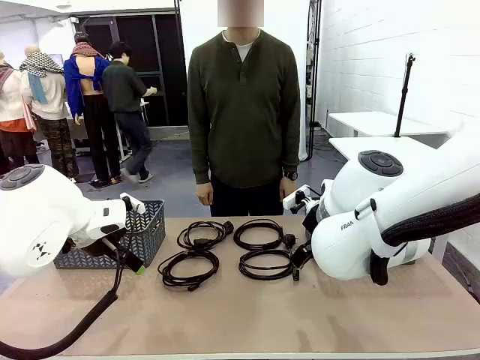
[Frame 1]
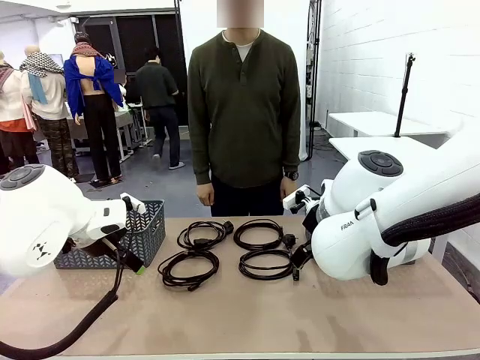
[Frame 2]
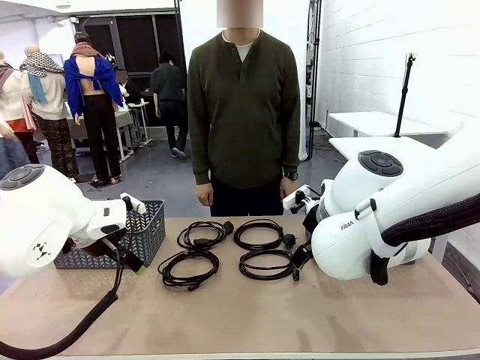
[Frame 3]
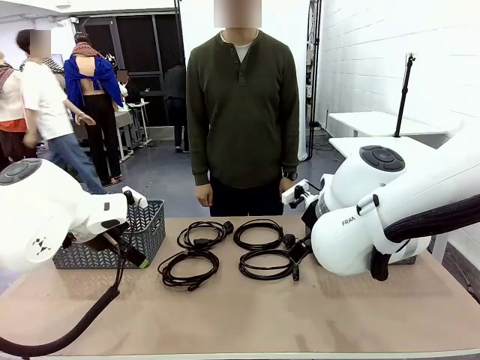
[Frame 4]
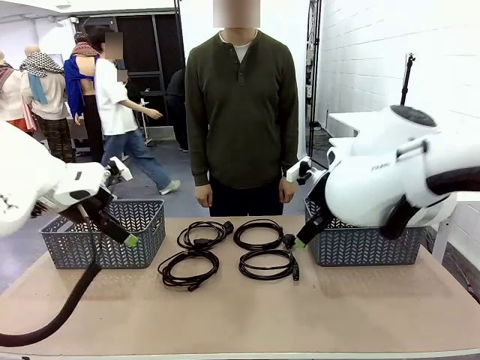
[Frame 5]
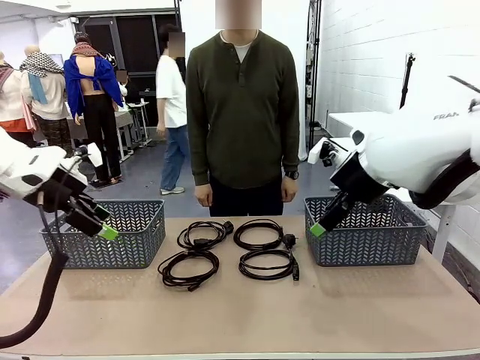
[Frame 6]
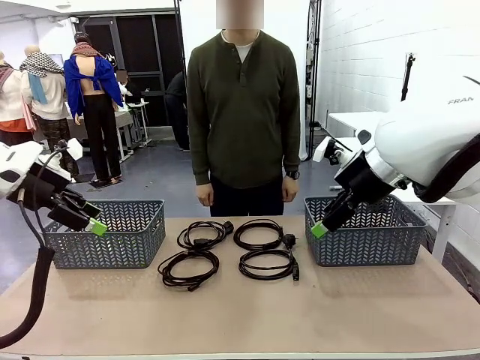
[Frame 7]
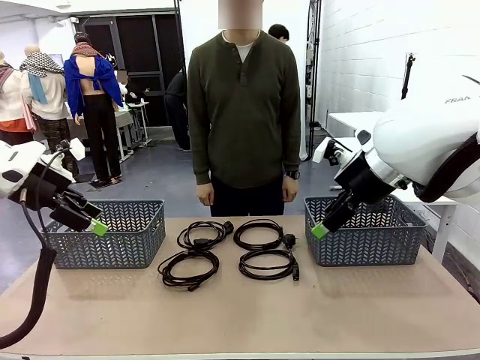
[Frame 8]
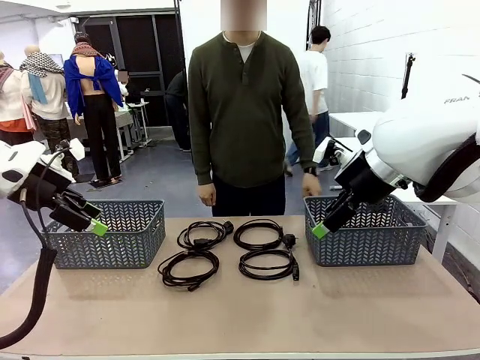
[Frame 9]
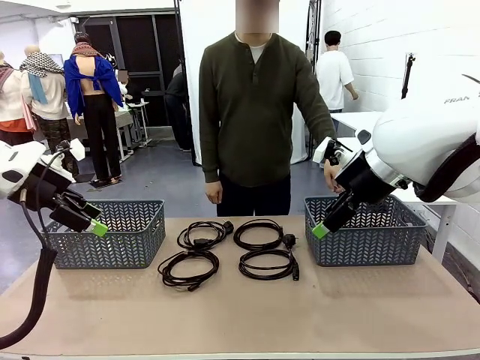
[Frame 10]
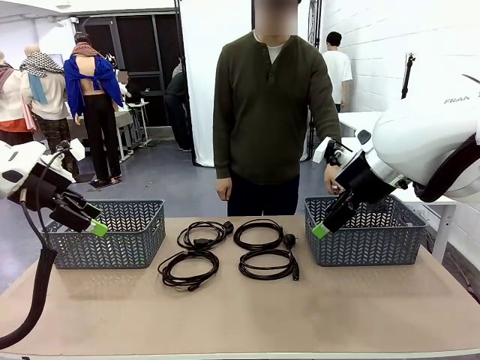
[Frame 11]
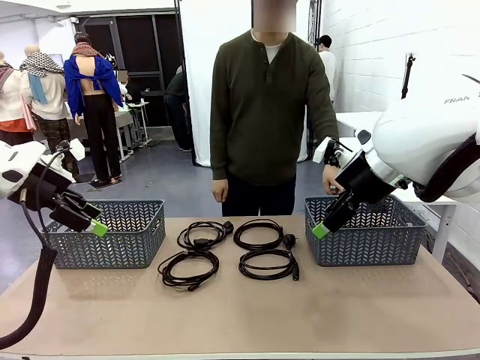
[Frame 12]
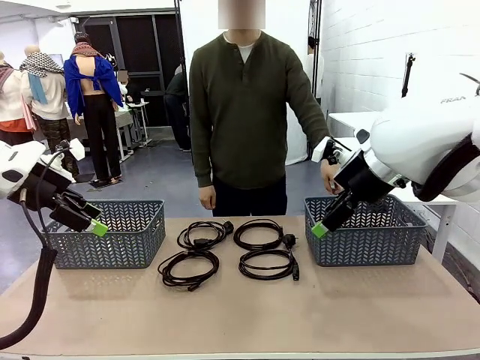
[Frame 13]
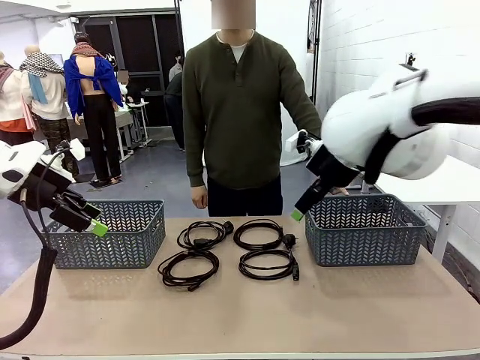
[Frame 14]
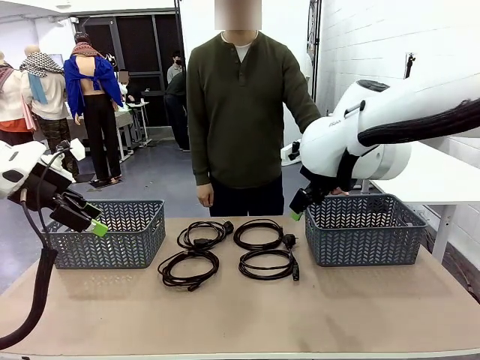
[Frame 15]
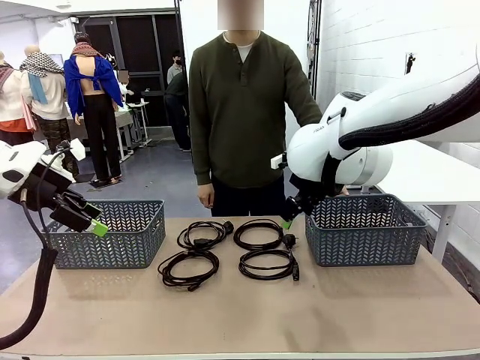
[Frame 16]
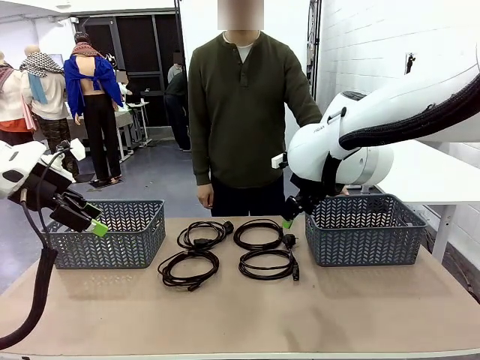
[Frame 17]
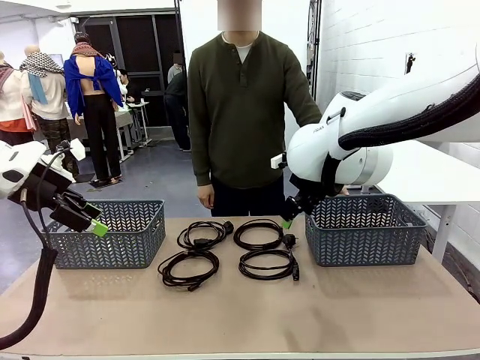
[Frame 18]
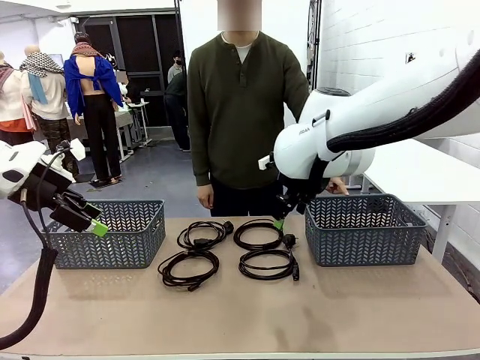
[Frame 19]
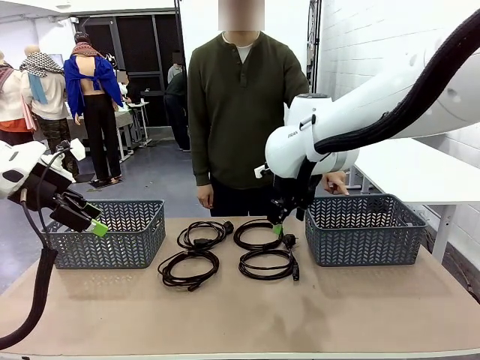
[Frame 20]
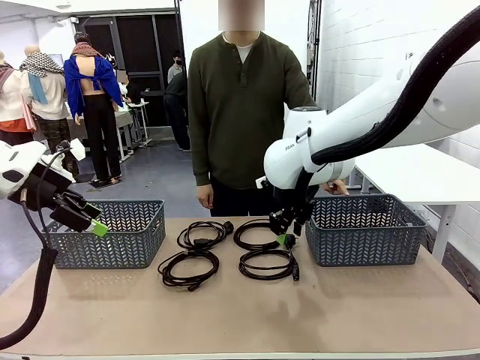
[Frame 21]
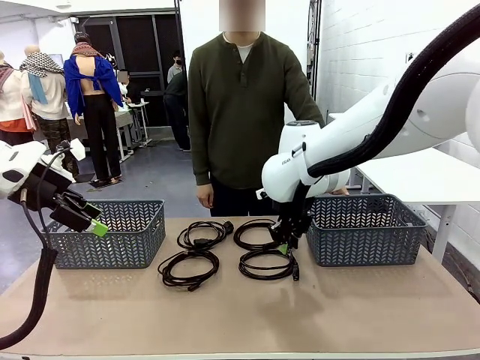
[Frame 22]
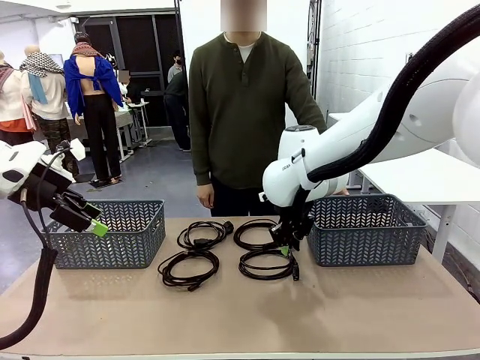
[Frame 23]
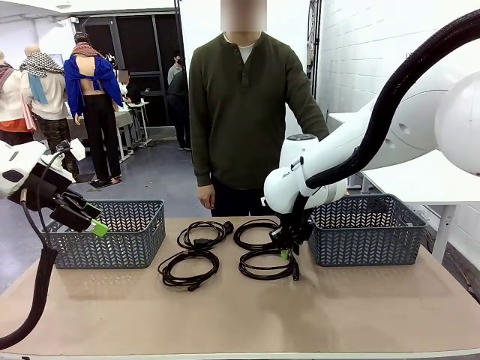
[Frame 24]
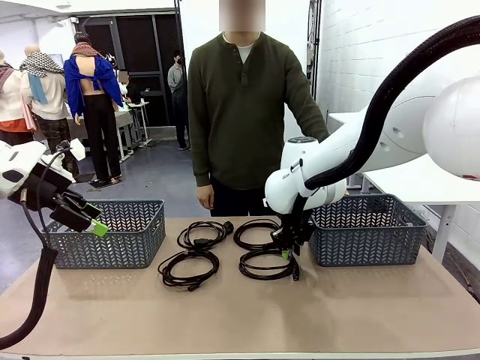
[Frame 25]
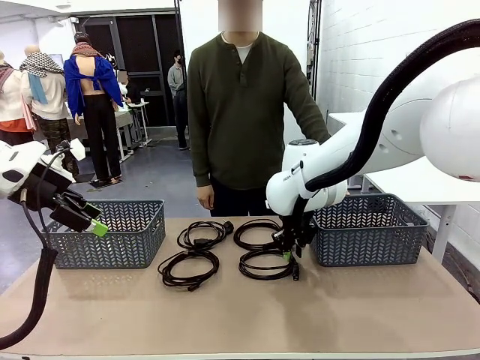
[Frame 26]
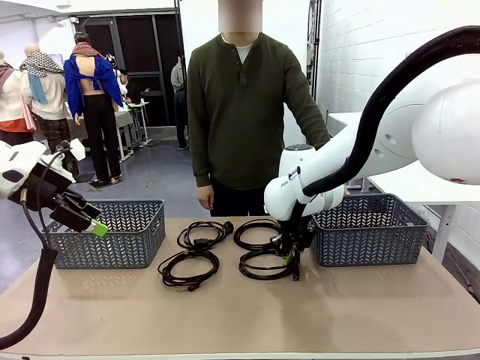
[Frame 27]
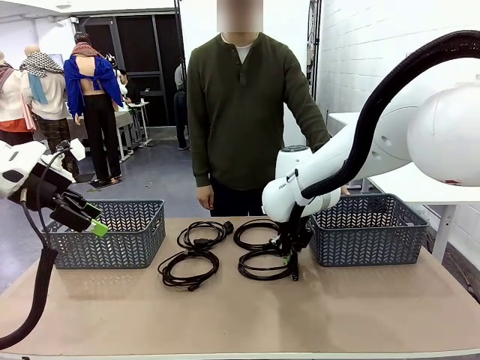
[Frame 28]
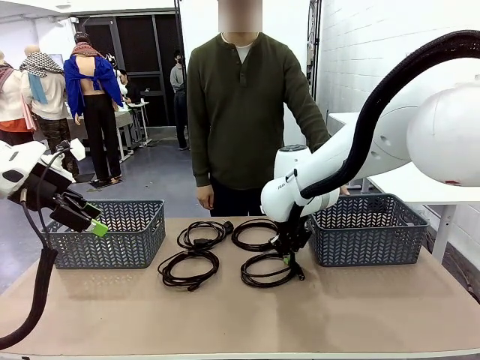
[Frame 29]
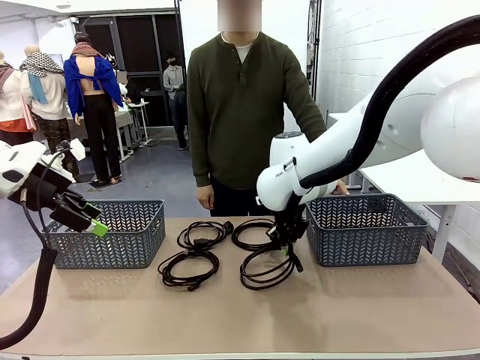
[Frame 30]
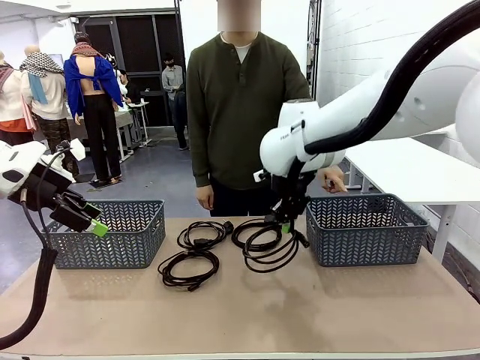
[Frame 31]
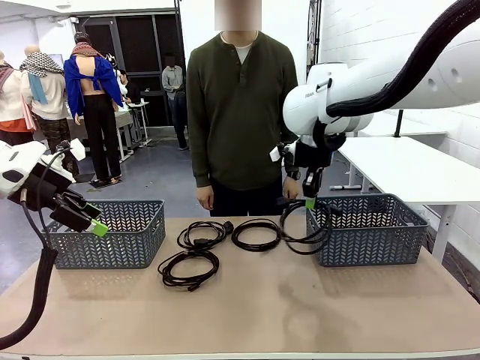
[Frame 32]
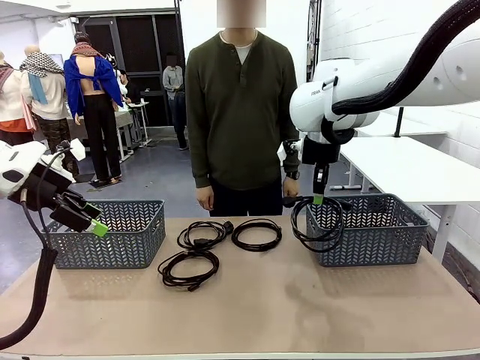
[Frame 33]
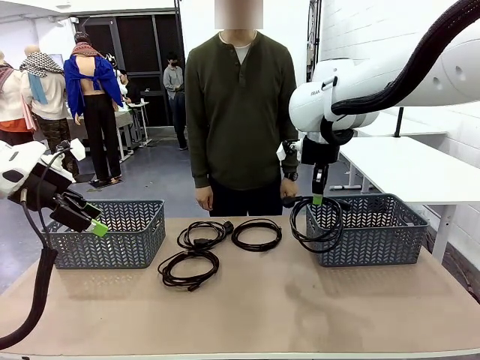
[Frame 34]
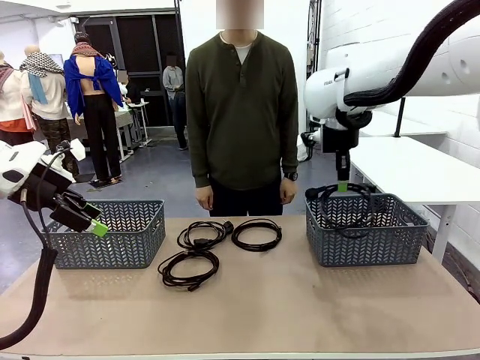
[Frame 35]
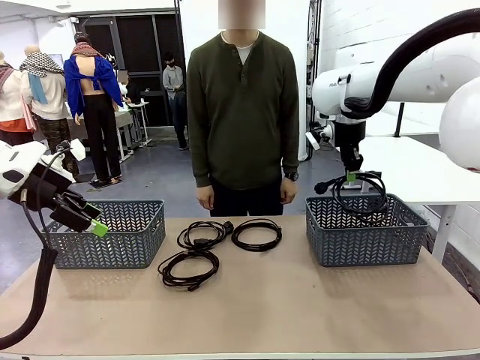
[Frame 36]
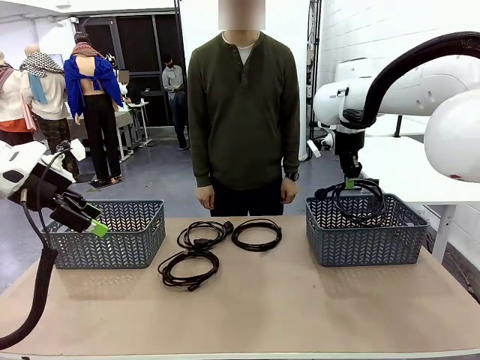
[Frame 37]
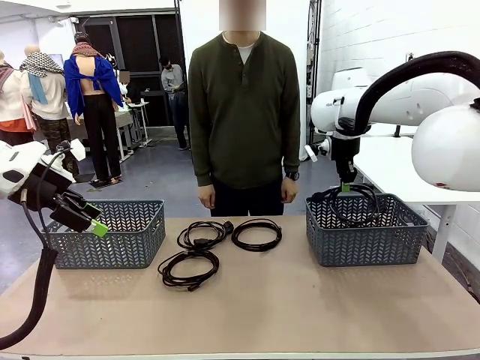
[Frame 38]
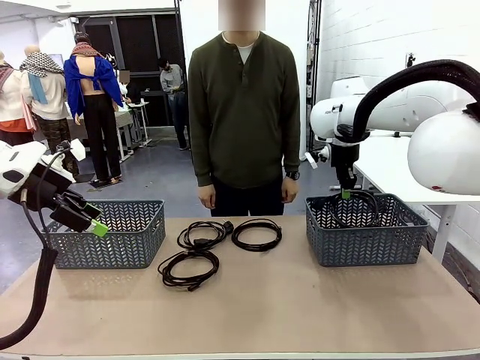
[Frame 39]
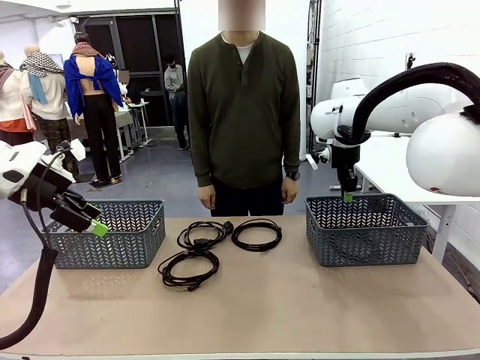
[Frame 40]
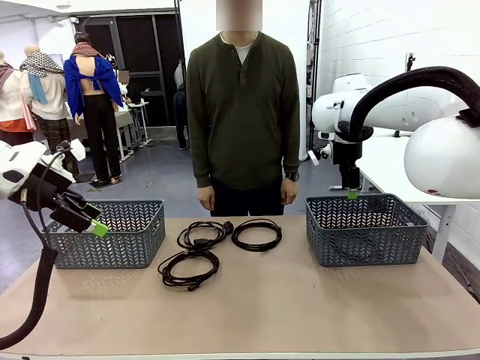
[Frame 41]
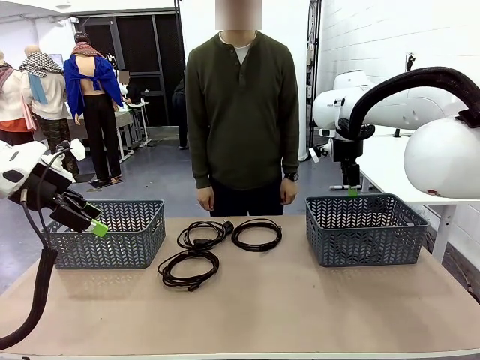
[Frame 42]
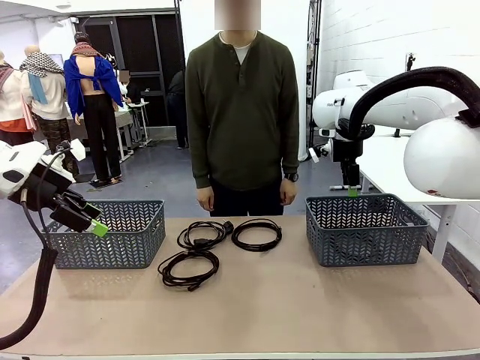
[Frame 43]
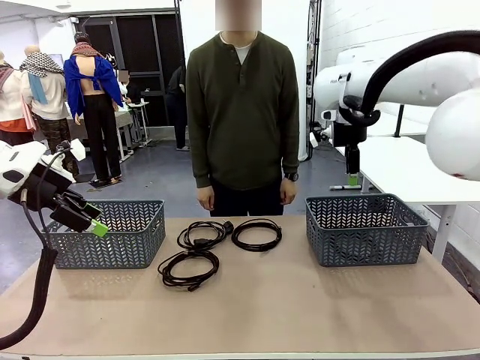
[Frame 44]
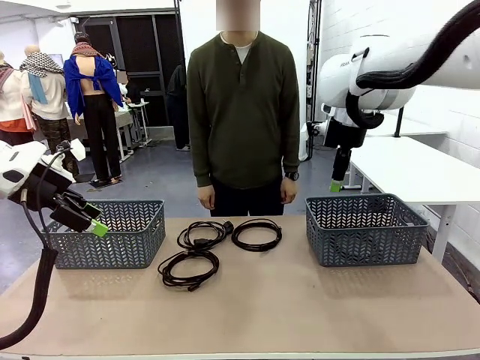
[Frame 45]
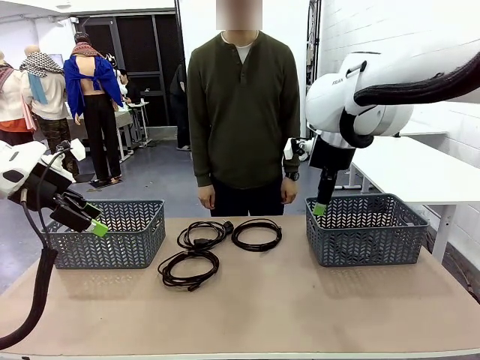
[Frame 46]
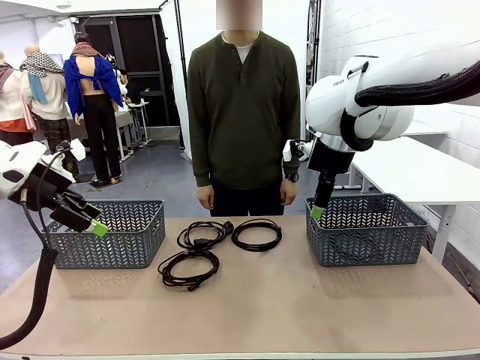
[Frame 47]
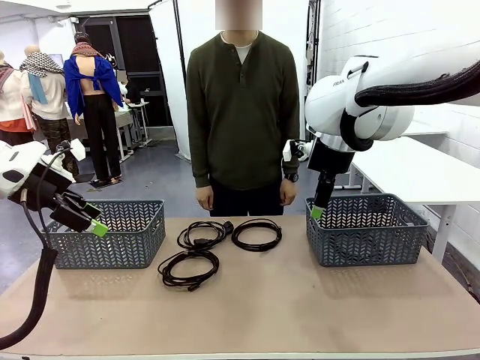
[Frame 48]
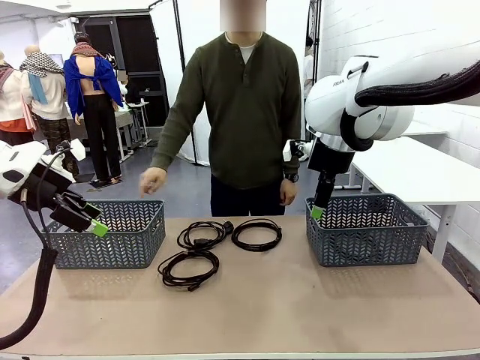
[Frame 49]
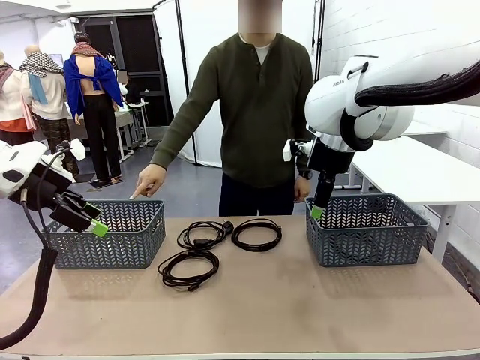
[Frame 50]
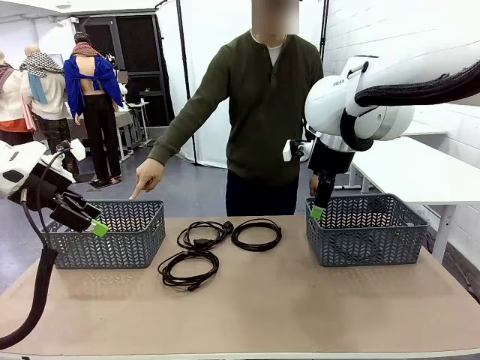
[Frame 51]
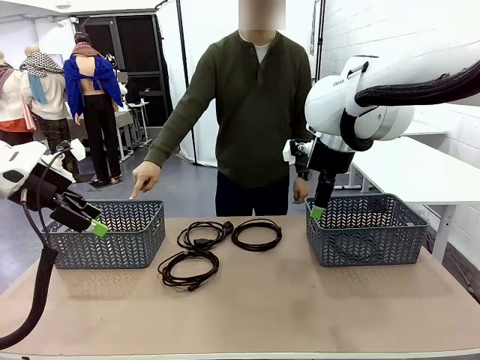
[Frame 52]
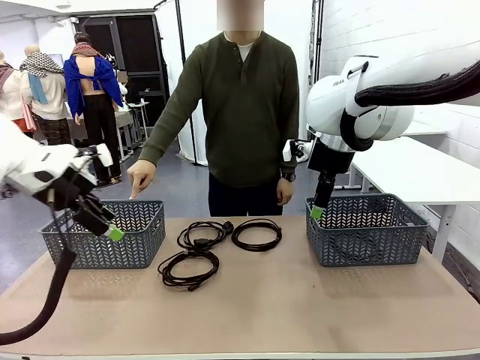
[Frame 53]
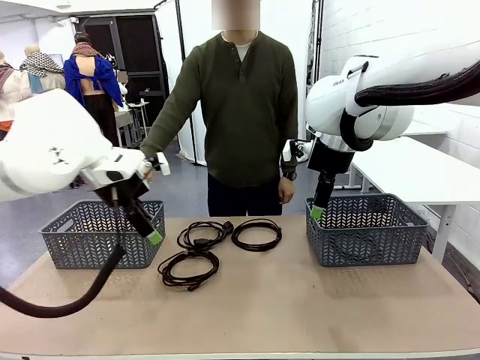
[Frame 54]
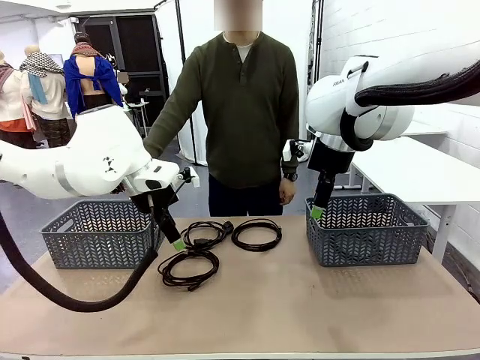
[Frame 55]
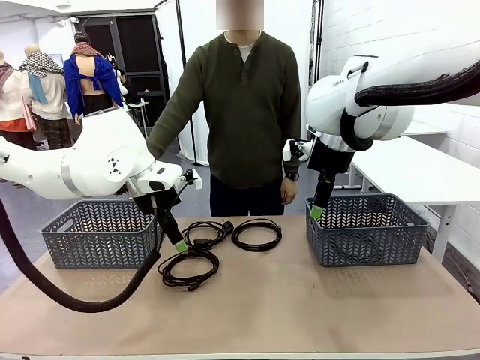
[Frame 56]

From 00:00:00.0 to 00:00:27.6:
Task: Organize the cables according to human instructions.
Robot: Pick up a bundle of cables and place it in the basket indicated by the human.
